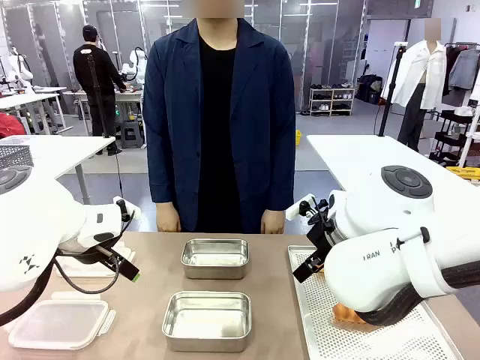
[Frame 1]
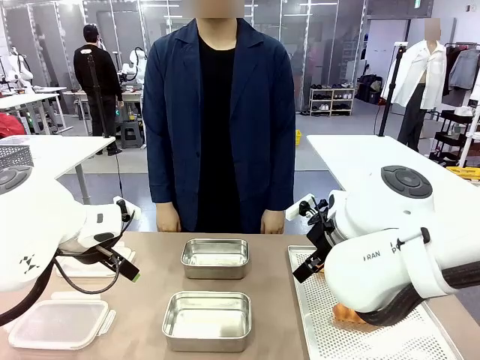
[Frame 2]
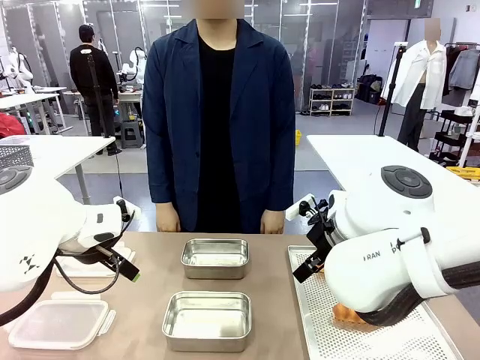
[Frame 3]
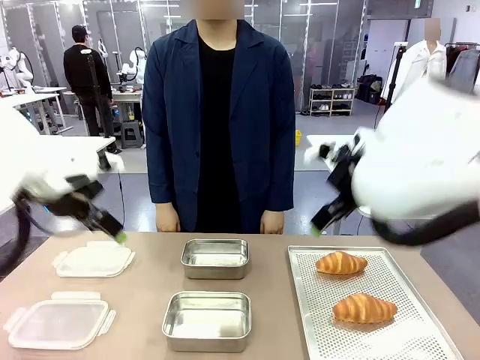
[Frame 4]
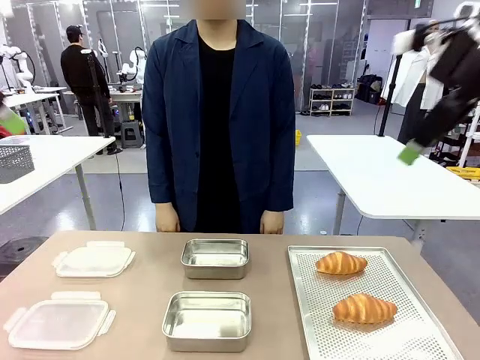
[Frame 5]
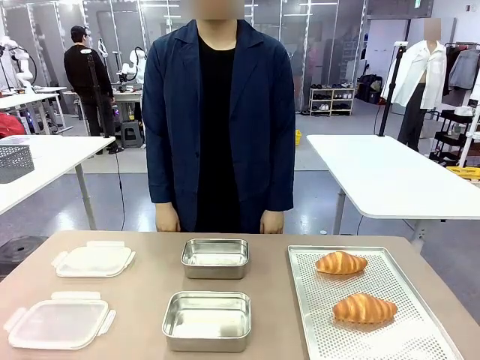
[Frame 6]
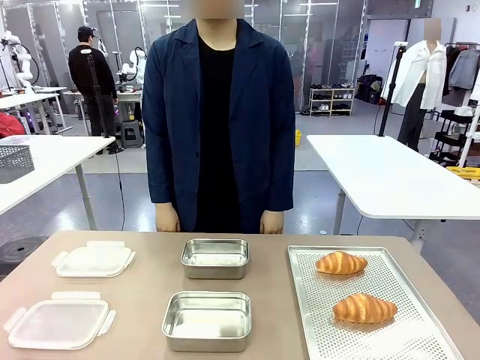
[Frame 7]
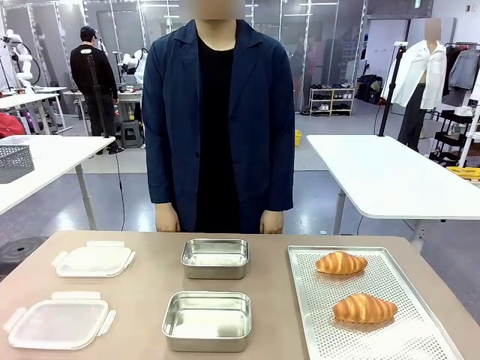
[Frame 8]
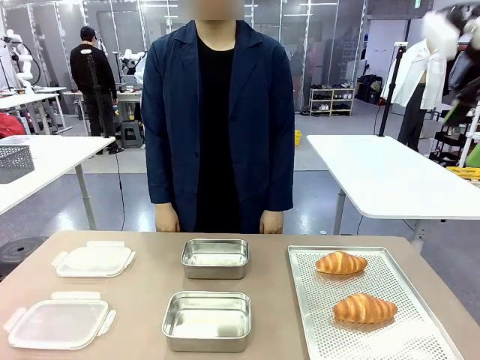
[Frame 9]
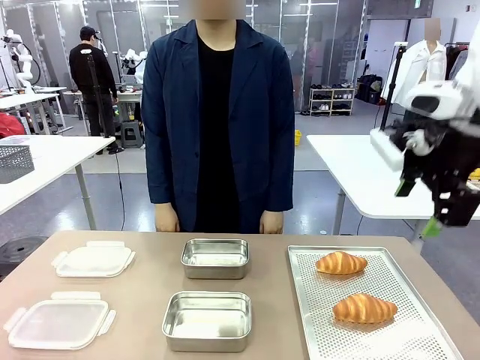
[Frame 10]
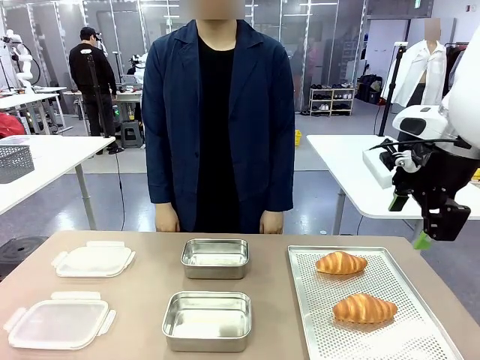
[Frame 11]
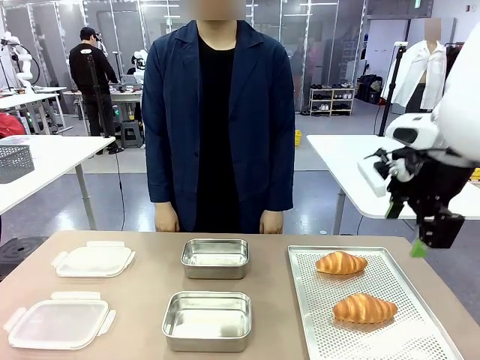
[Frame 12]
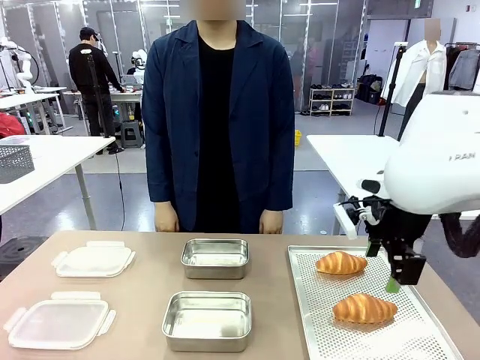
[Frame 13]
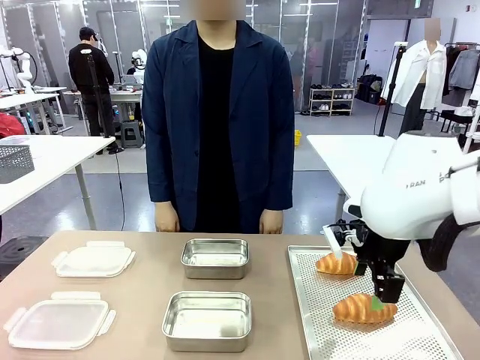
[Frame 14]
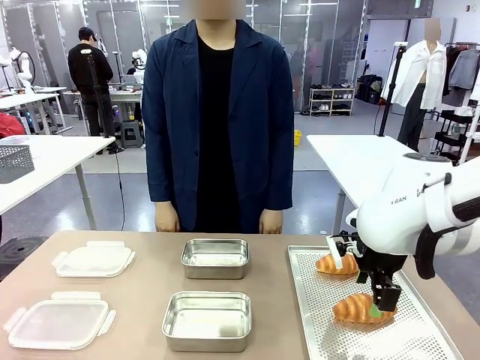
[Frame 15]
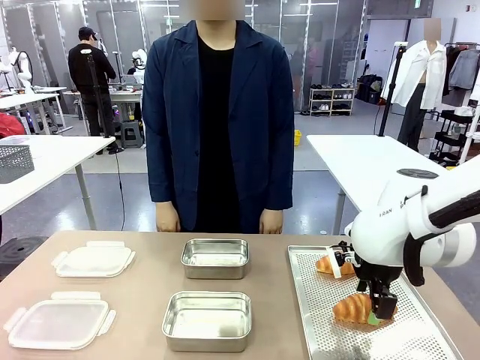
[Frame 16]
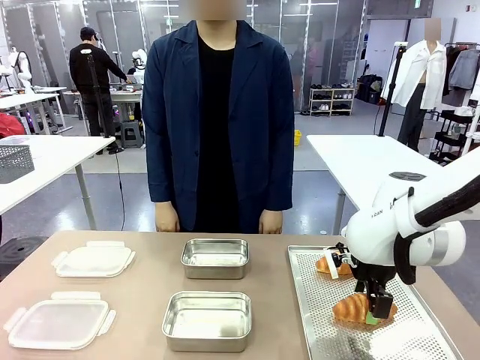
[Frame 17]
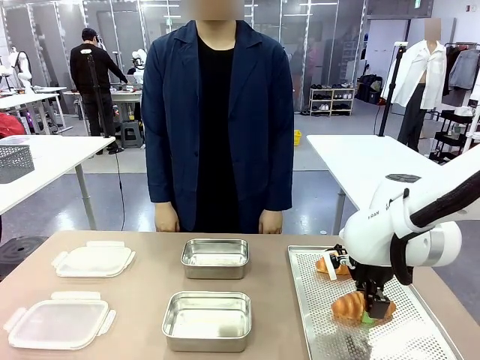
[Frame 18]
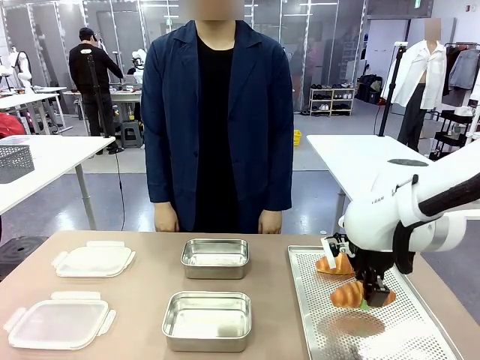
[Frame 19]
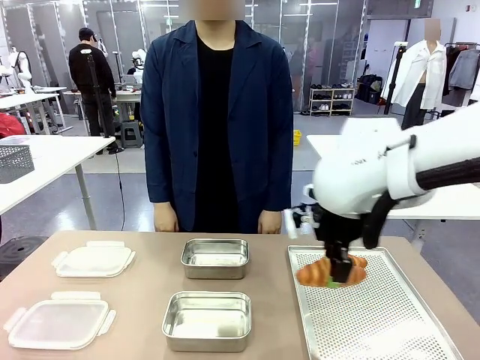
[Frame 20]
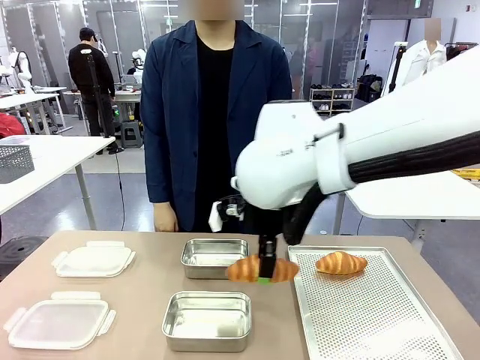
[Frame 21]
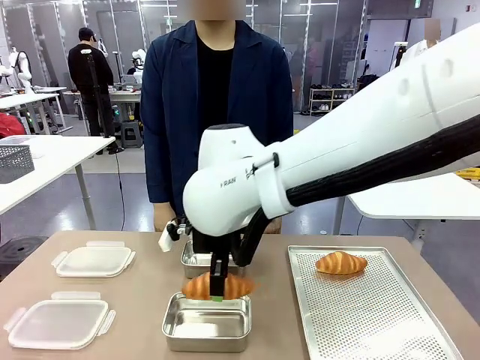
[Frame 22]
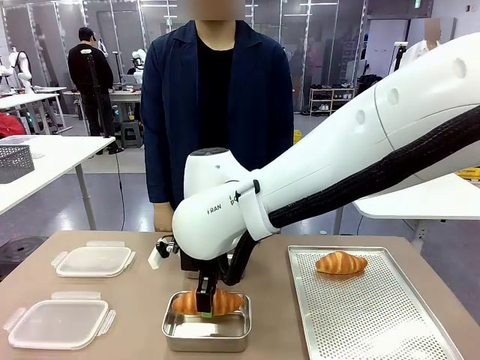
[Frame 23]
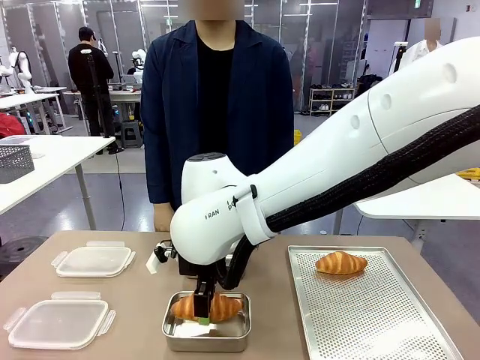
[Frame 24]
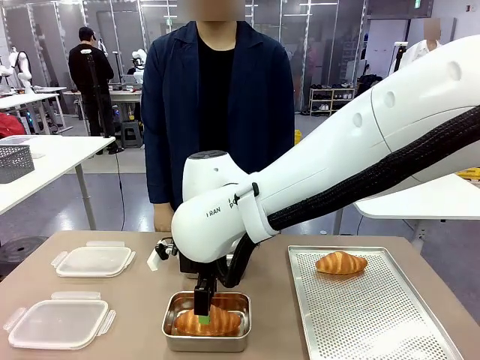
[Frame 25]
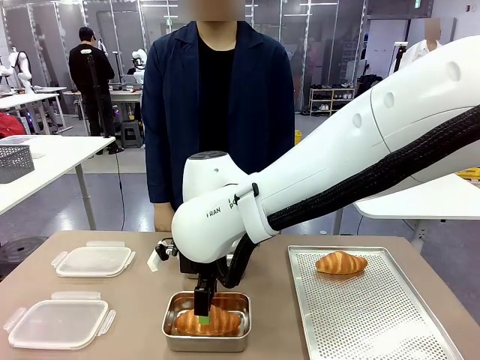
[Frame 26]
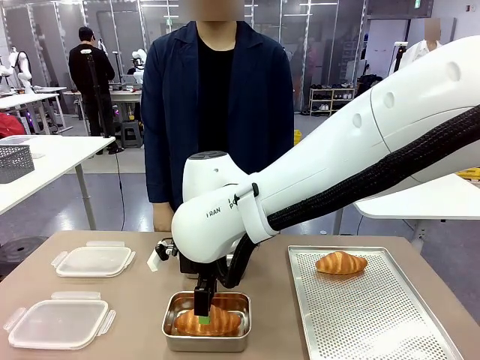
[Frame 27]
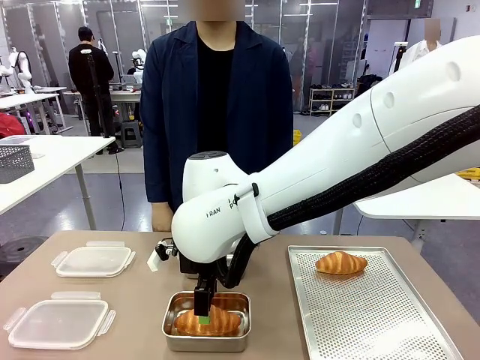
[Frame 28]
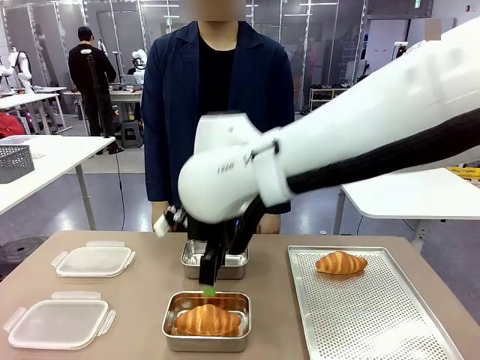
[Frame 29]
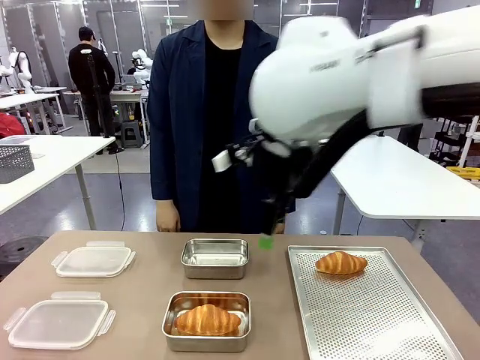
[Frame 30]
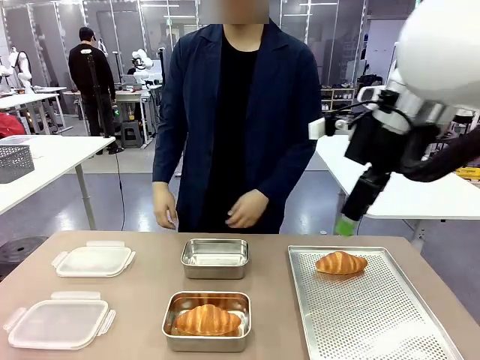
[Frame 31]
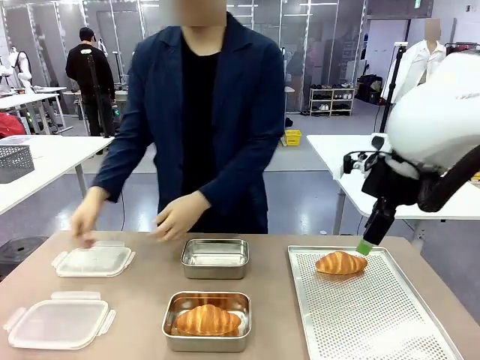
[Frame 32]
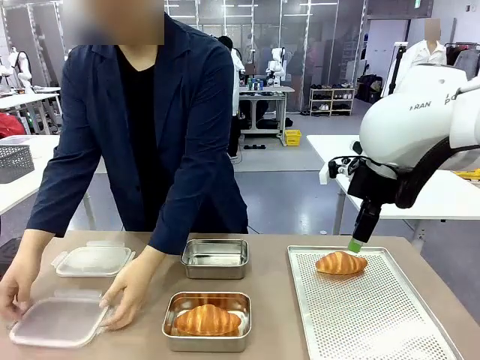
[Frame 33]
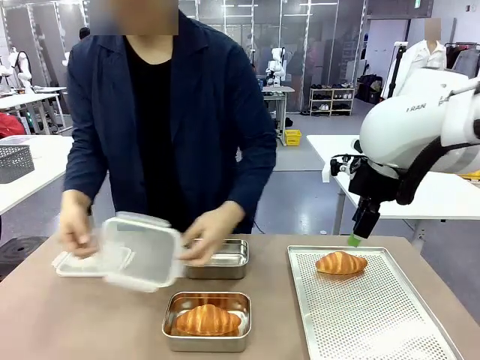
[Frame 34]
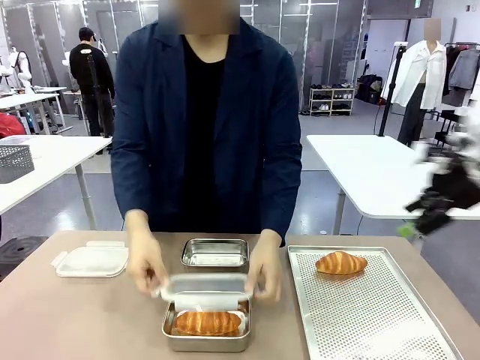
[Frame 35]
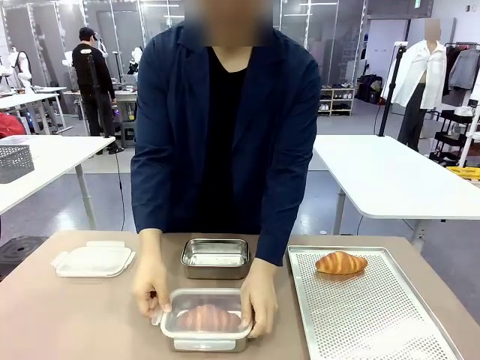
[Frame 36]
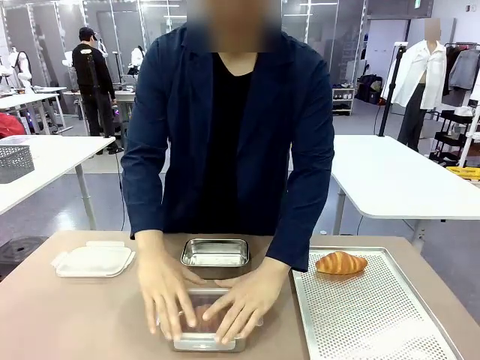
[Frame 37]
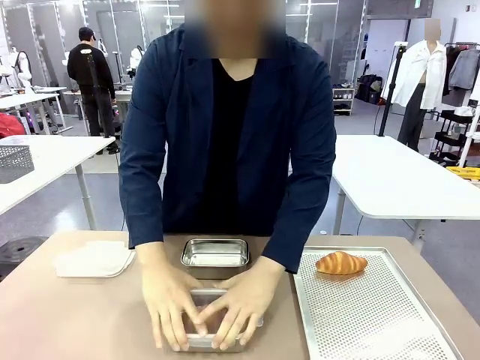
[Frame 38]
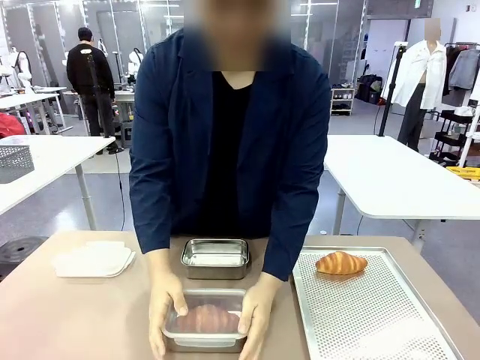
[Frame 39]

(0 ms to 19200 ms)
Task: Place the bread into the airtight container.
Robot: Pick up a Butter Roll and place it into an empty Airtight Container.
